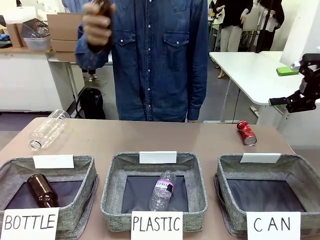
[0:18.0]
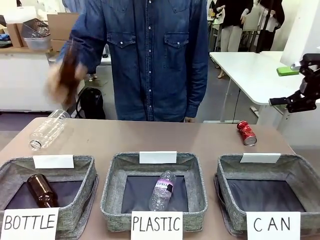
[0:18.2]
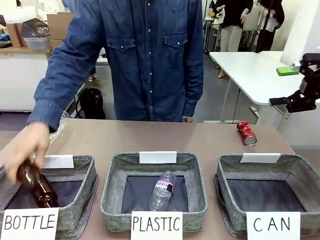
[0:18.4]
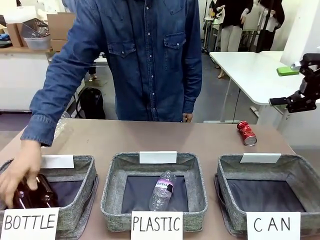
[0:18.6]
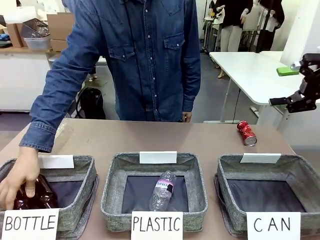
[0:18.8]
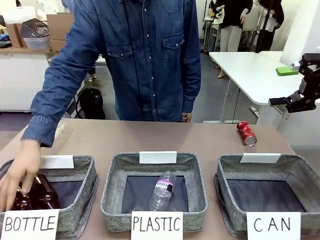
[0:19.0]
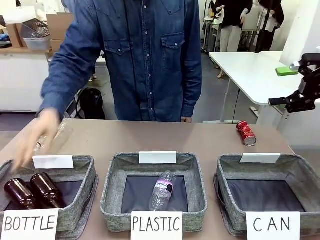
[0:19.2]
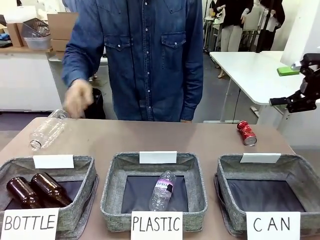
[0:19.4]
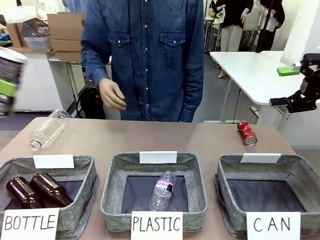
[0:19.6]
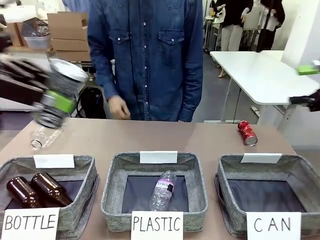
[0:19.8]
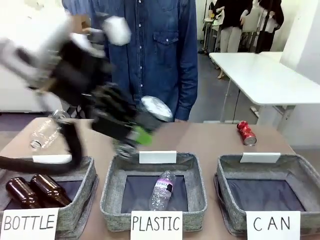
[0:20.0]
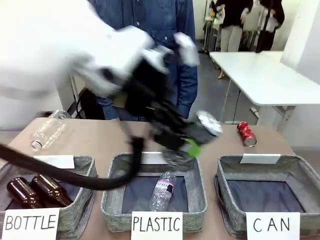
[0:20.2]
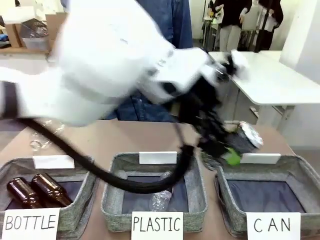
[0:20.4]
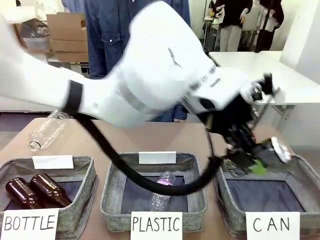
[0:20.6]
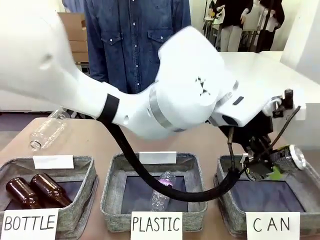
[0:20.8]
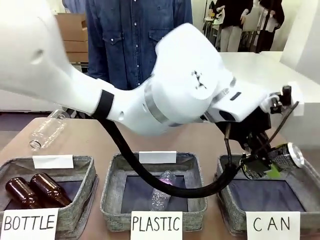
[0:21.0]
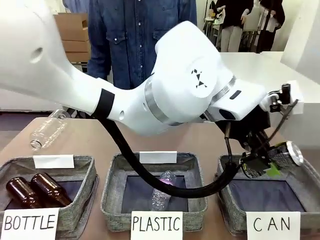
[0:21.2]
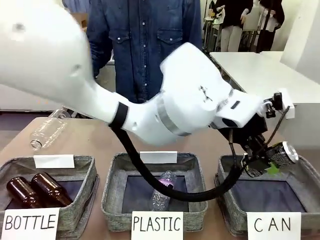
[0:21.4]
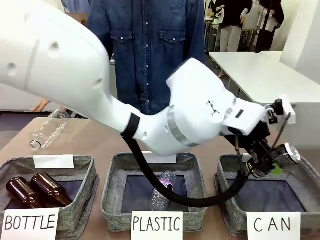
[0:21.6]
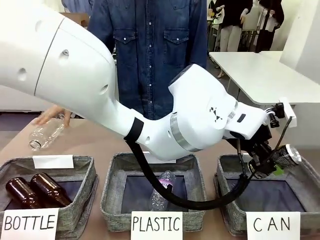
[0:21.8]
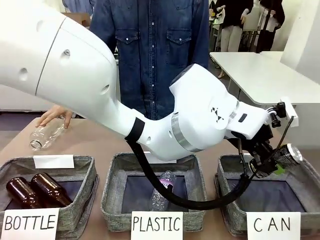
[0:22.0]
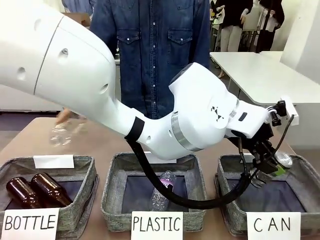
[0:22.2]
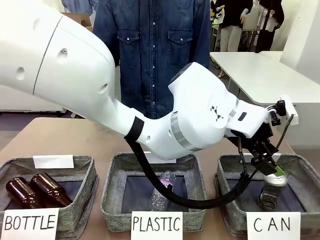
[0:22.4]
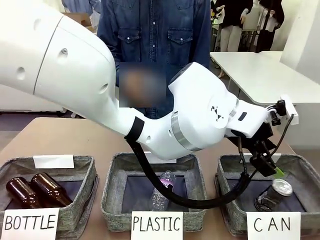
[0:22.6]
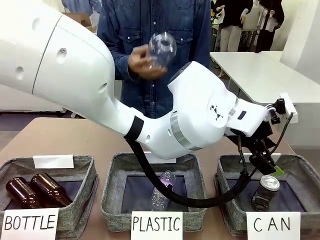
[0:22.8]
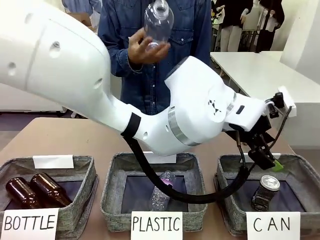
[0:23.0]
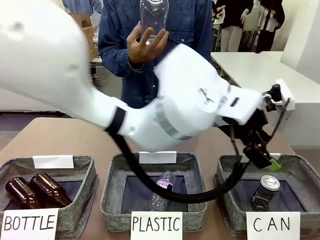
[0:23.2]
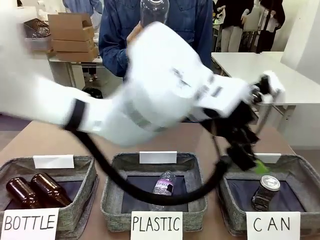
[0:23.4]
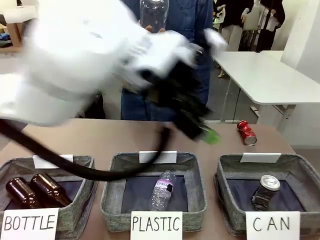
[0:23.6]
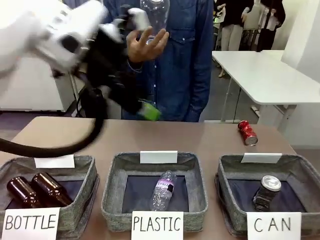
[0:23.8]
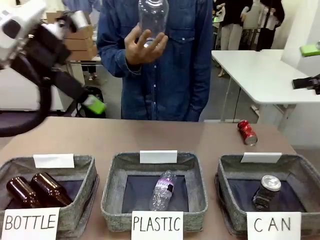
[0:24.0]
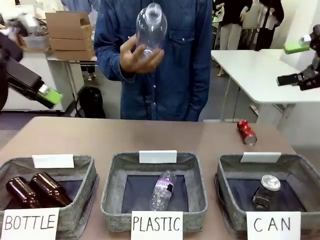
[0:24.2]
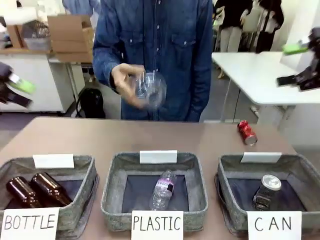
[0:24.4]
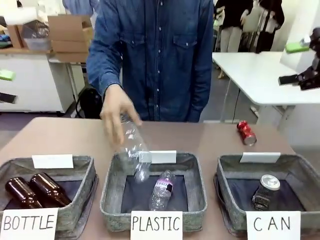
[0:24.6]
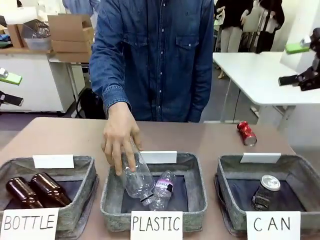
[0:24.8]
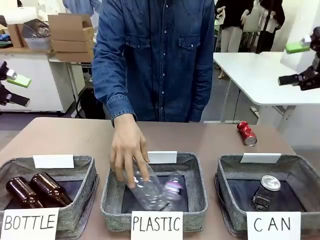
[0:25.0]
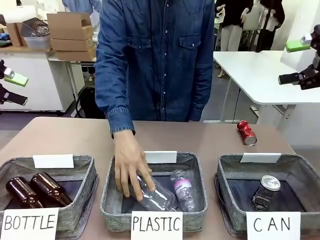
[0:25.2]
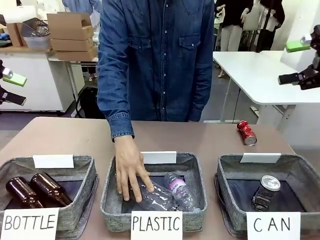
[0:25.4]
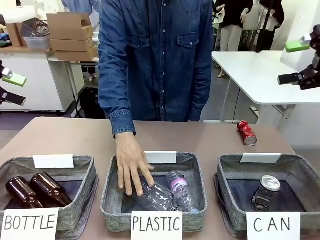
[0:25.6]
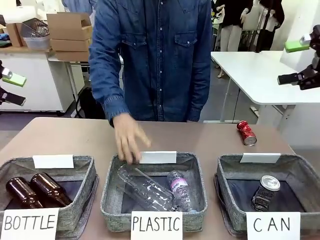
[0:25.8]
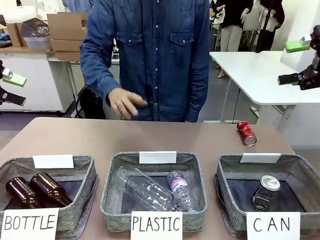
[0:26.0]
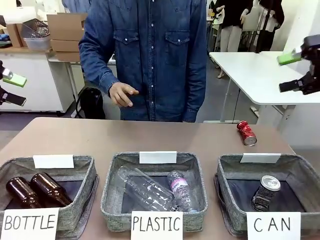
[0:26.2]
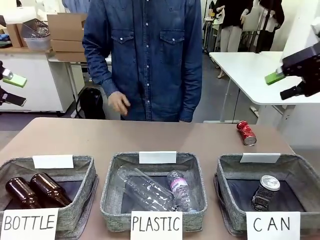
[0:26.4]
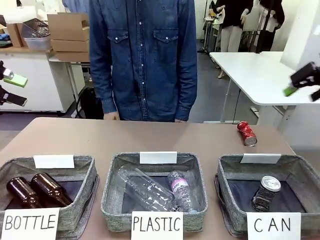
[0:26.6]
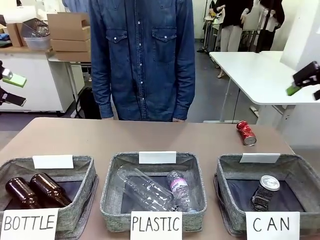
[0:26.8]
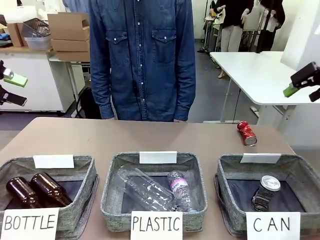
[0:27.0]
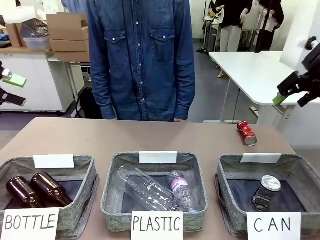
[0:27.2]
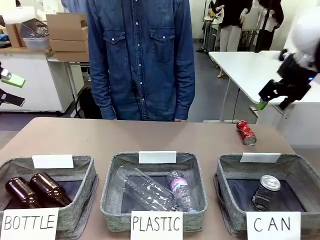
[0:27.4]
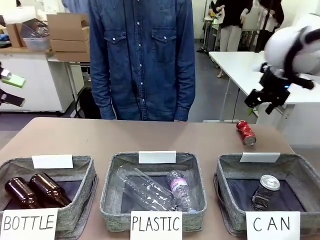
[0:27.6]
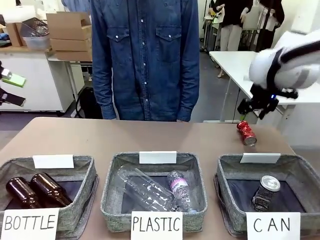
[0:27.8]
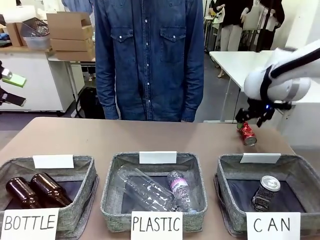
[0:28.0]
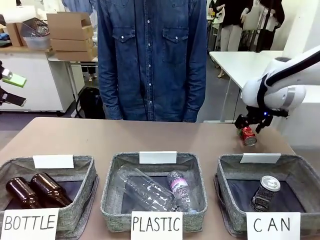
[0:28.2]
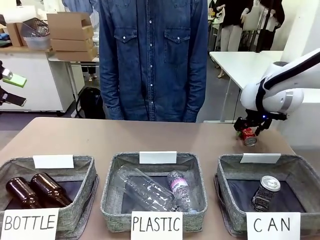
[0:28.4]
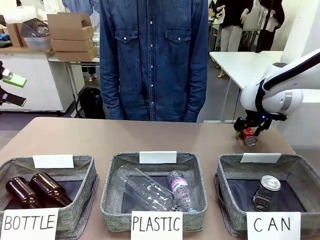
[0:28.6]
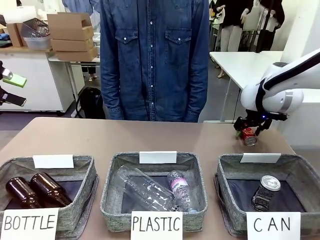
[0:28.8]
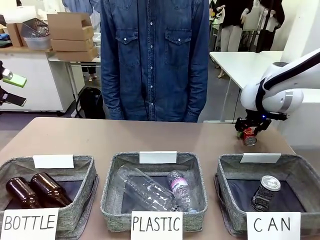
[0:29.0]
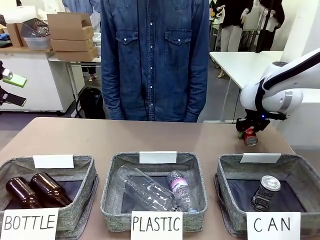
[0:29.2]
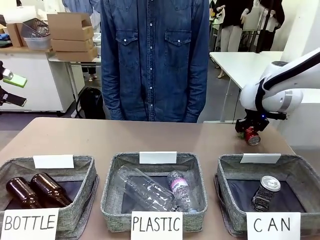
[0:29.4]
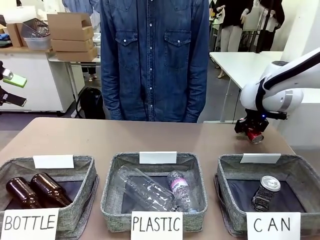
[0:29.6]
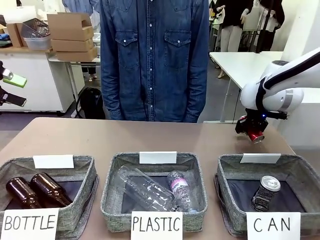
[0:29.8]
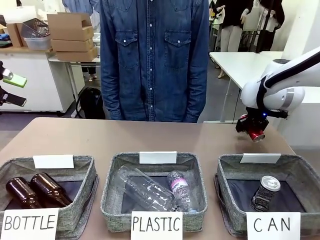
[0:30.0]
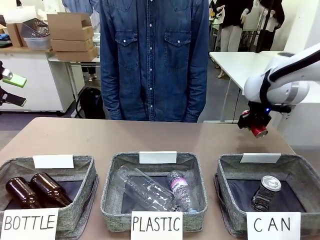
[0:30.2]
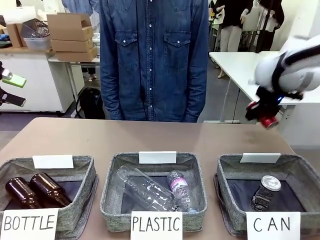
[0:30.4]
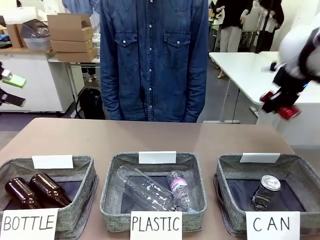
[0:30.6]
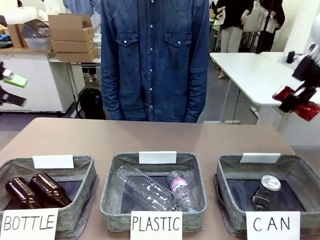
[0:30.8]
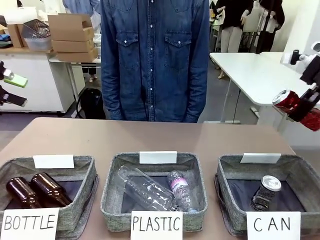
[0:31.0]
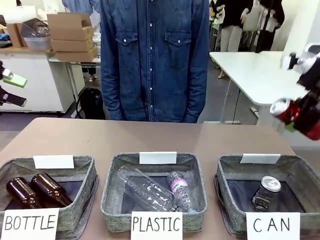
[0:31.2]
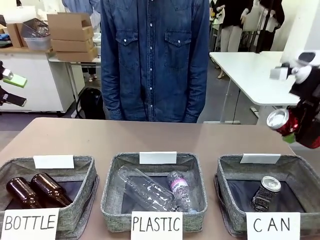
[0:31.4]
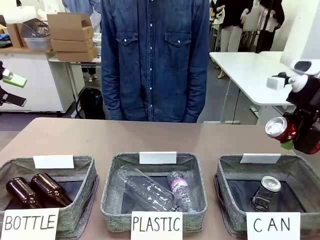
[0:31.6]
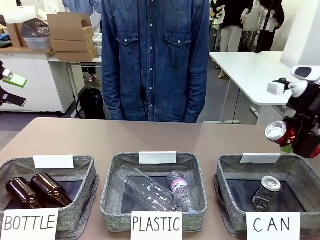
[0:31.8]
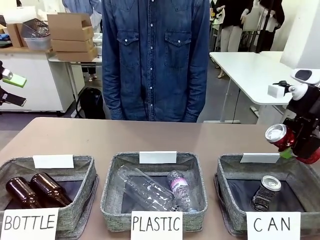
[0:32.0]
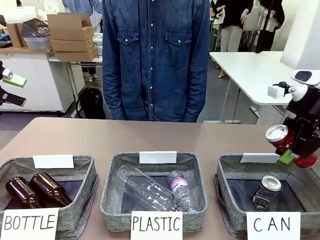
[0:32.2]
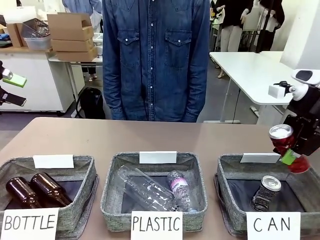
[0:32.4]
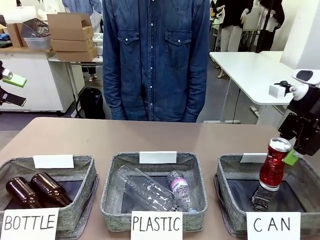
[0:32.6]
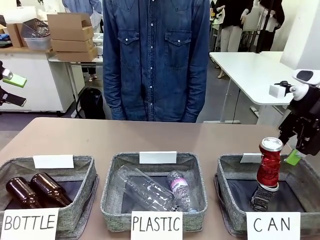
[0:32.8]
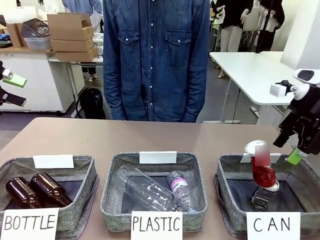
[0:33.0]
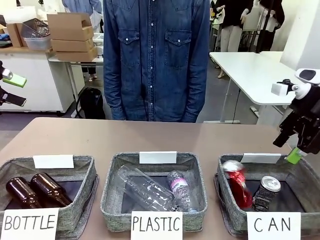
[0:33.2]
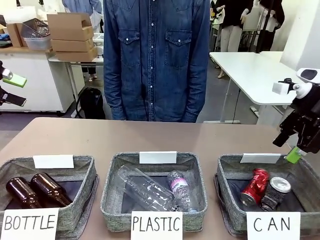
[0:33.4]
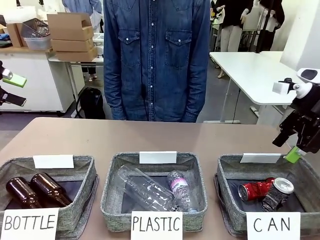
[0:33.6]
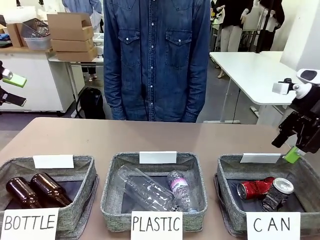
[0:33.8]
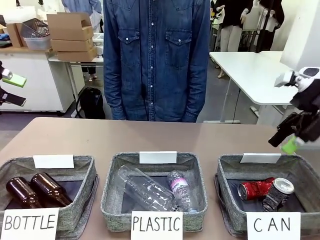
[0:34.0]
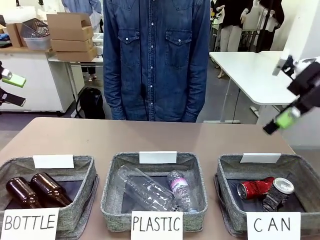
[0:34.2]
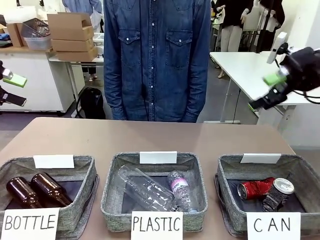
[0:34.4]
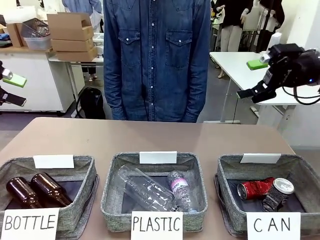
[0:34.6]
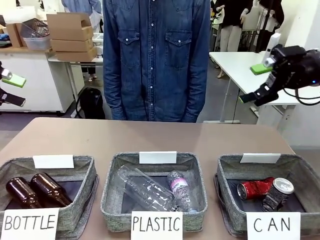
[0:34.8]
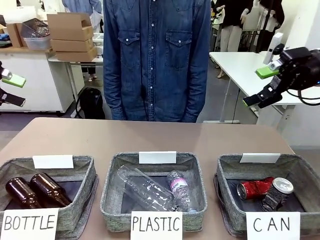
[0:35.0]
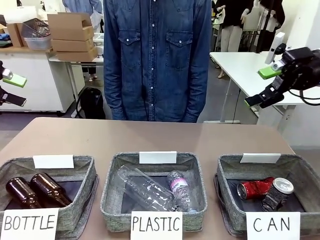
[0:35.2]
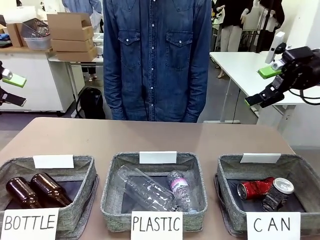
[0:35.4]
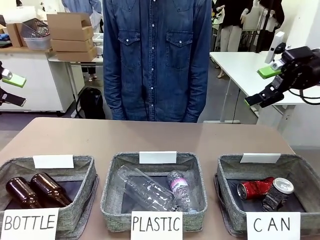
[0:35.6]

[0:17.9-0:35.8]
Task: Sort the can waste into the basket.
Robot: Pick up the can waste from the table and place it in the right Fabric basket.
